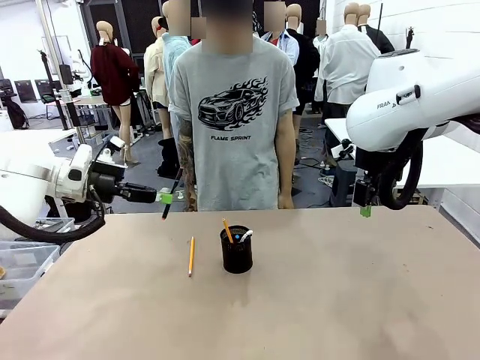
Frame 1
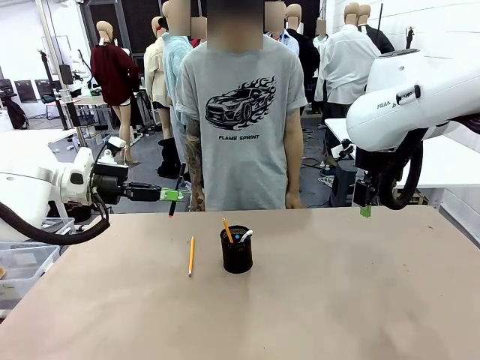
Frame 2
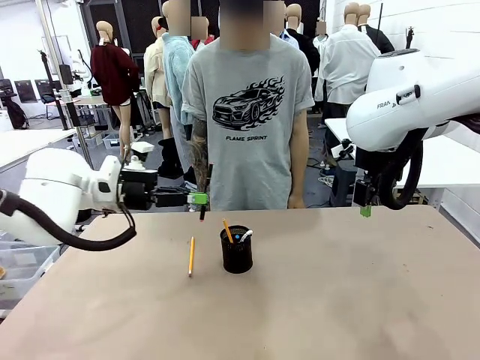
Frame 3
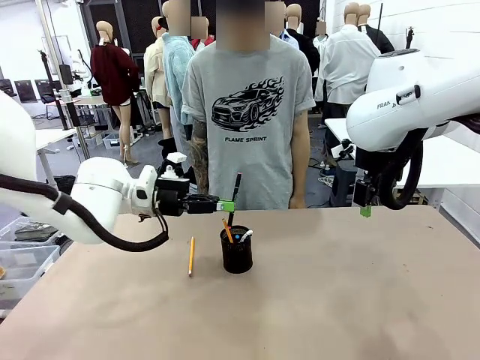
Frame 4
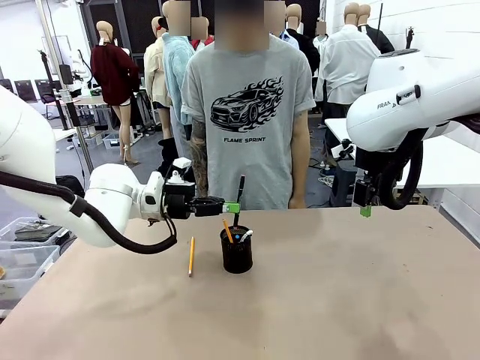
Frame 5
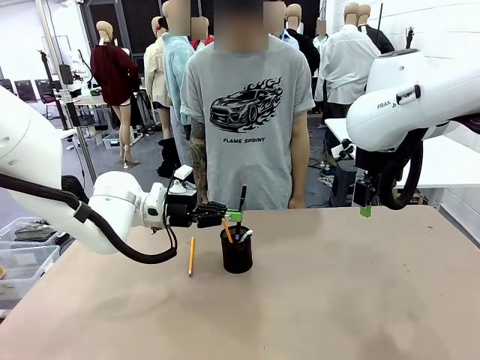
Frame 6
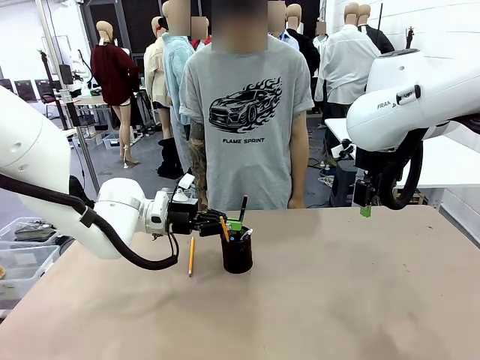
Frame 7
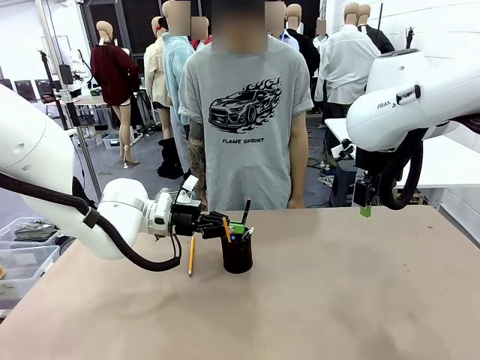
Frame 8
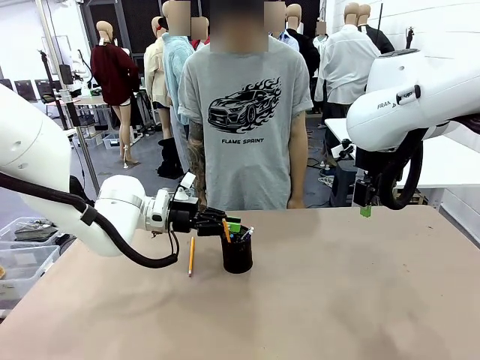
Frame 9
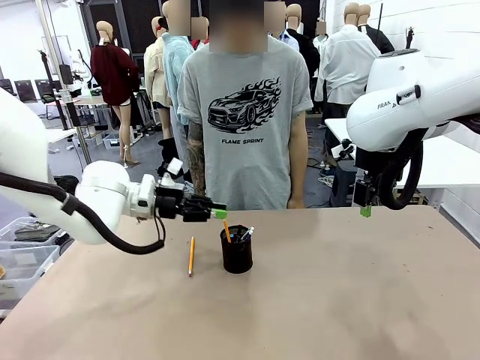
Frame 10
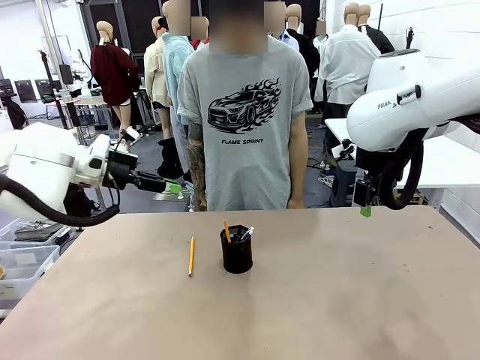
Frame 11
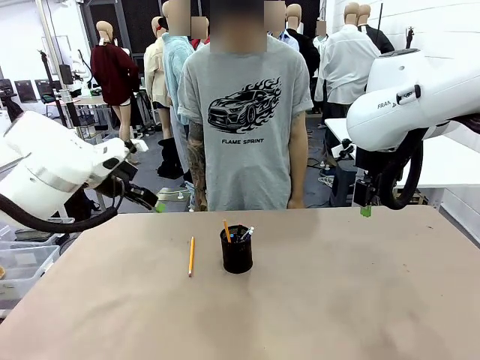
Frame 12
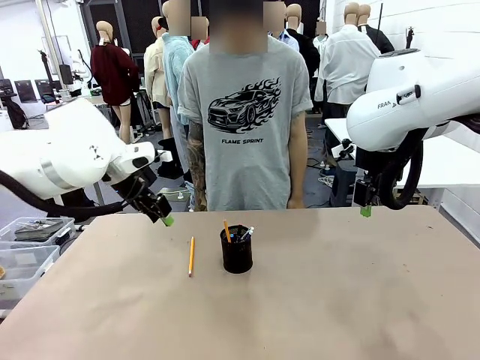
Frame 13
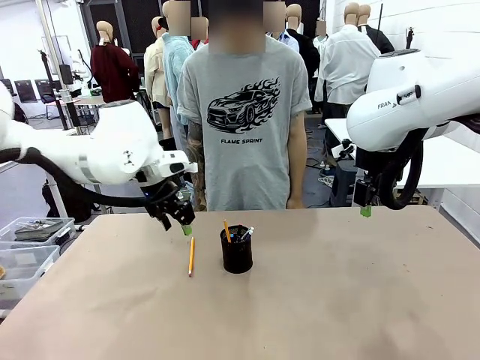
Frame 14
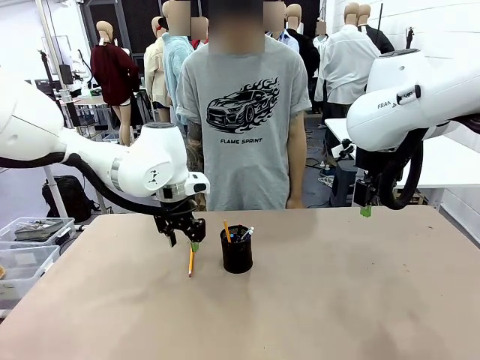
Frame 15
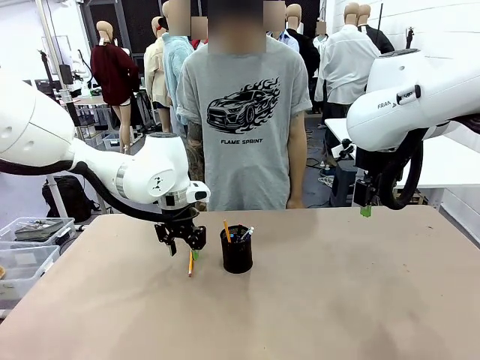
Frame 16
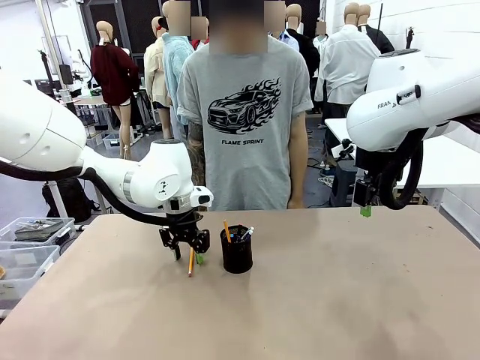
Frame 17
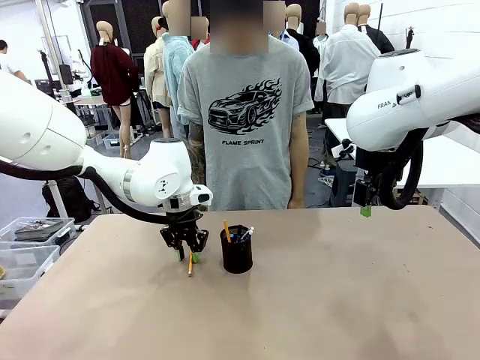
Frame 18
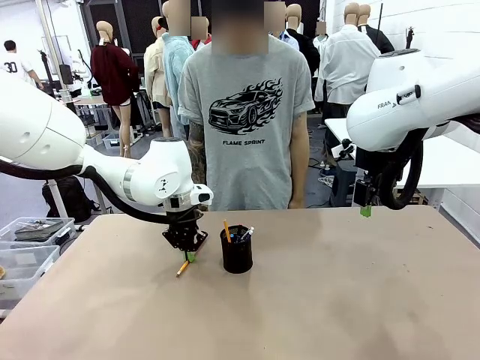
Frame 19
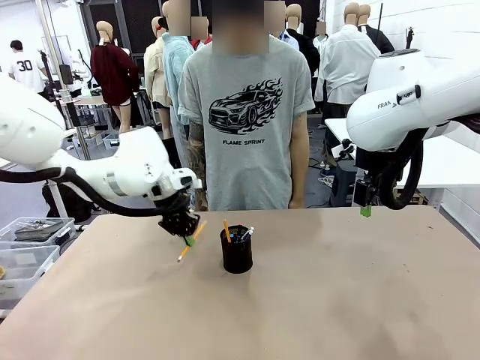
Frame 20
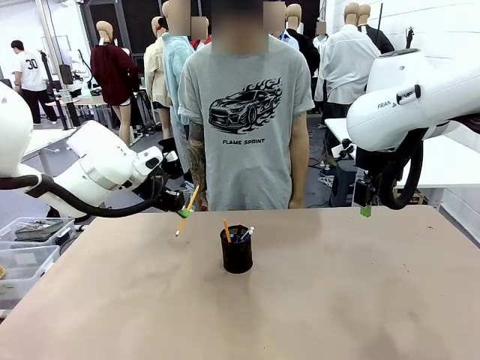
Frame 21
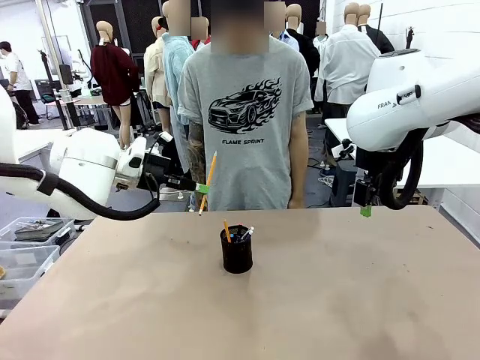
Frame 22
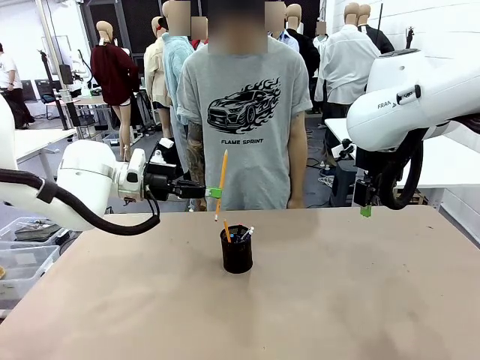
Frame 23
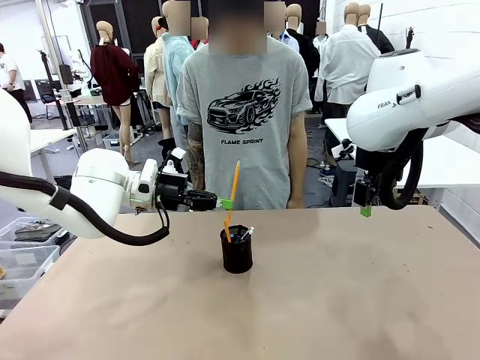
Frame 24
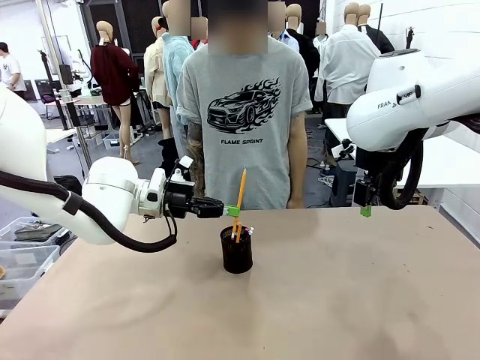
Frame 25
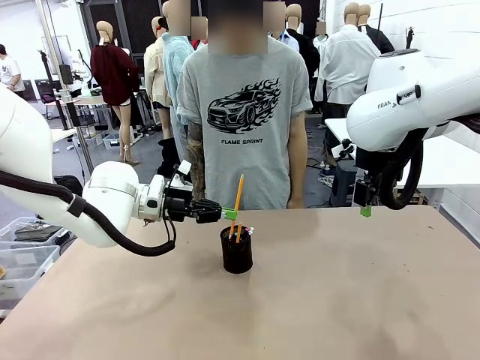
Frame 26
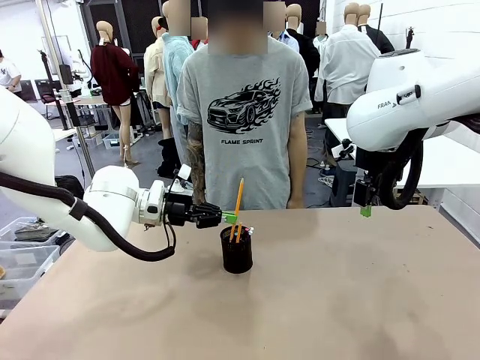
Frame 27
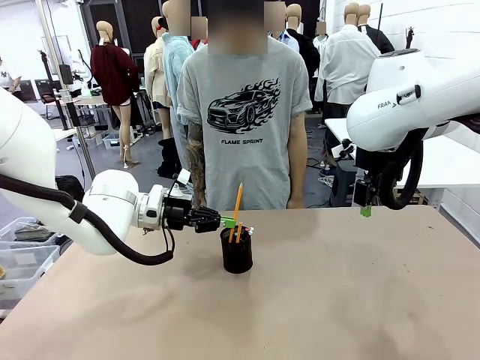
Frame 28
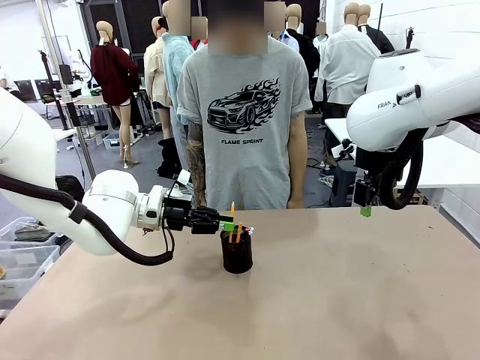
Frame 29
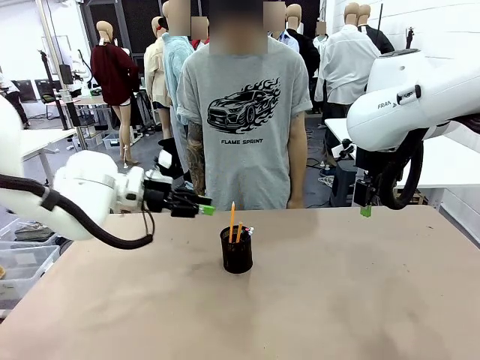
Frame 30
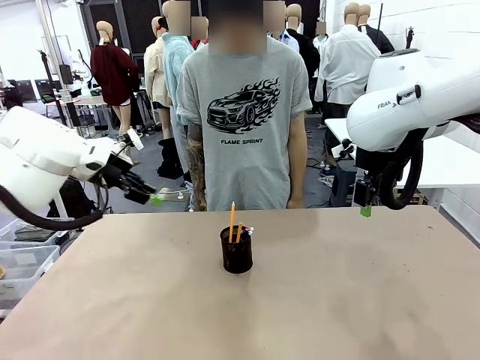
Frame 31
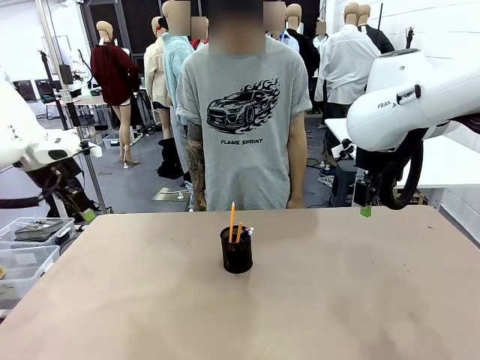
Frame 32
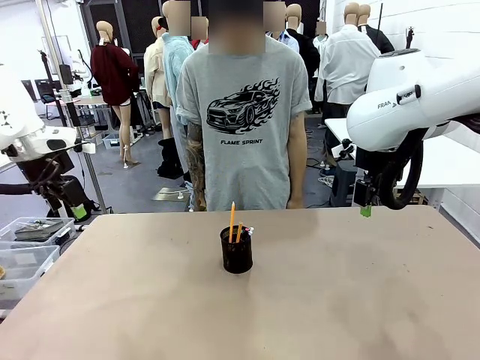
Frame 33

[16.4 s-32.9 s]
Task: Place the pens into the pen holder.
Robot: Pick up a writing instrument from the table and place it into the Pen holder.
Person: Place all writing instrument into the Pen holder.
